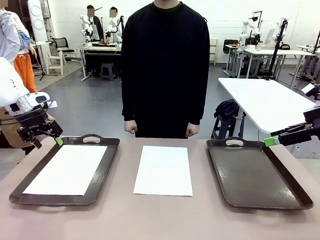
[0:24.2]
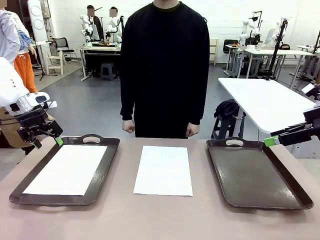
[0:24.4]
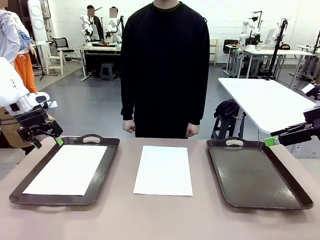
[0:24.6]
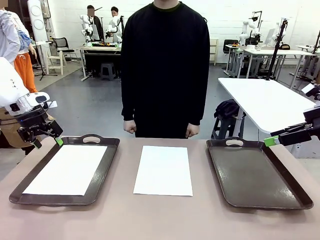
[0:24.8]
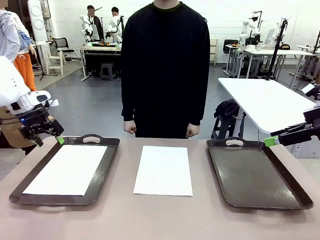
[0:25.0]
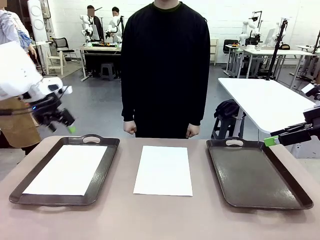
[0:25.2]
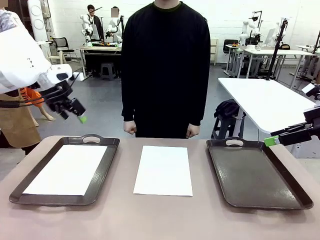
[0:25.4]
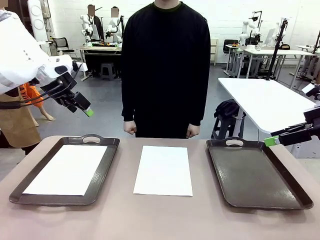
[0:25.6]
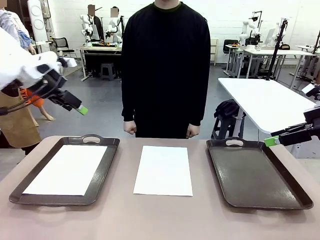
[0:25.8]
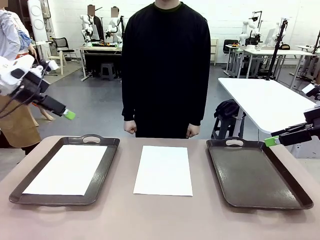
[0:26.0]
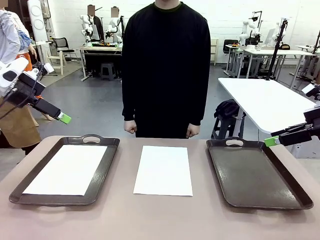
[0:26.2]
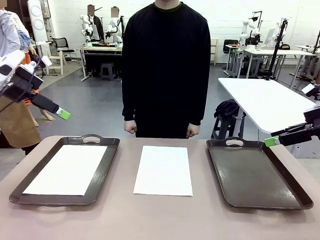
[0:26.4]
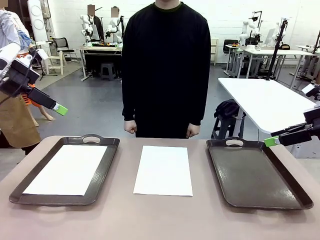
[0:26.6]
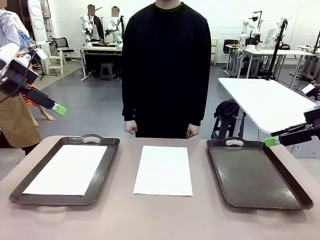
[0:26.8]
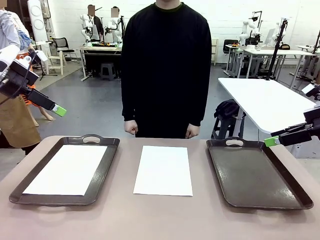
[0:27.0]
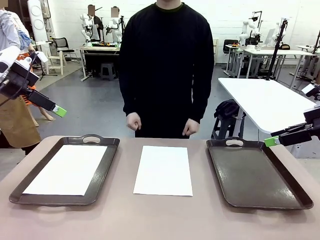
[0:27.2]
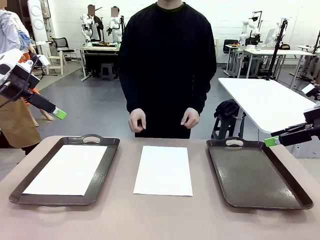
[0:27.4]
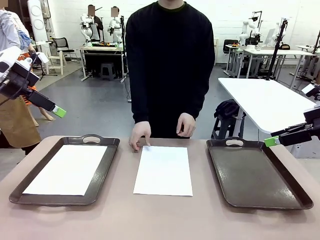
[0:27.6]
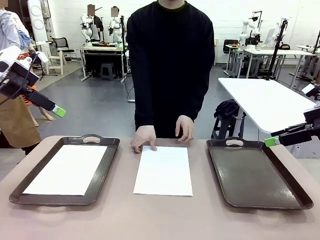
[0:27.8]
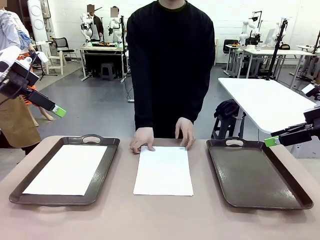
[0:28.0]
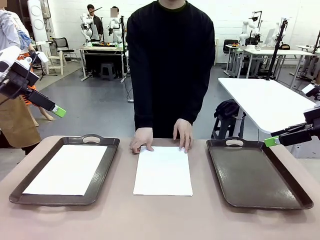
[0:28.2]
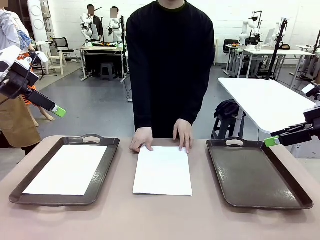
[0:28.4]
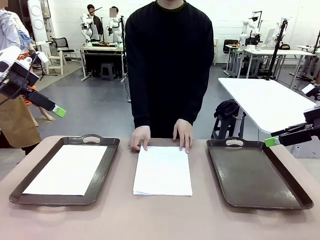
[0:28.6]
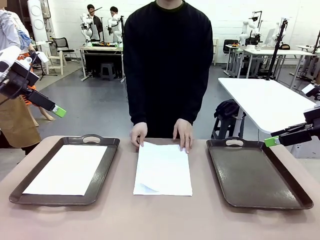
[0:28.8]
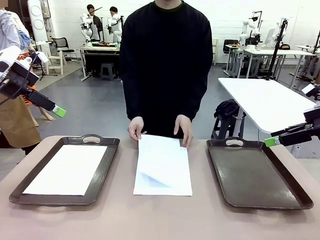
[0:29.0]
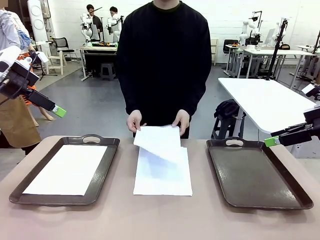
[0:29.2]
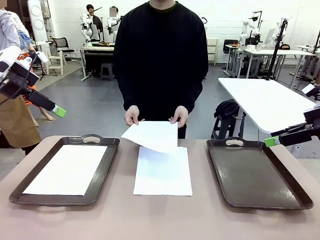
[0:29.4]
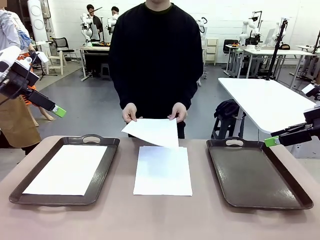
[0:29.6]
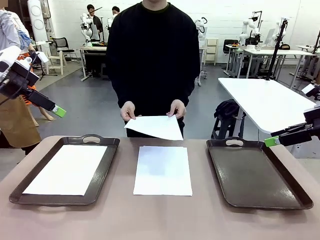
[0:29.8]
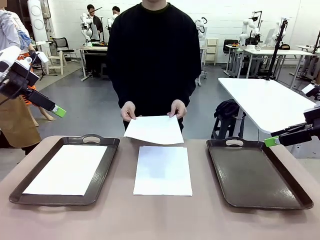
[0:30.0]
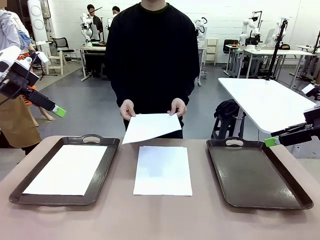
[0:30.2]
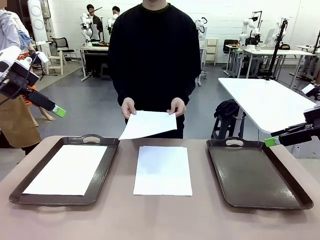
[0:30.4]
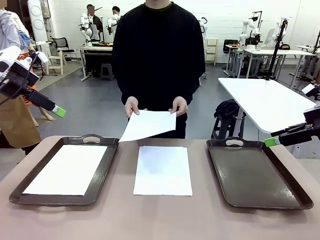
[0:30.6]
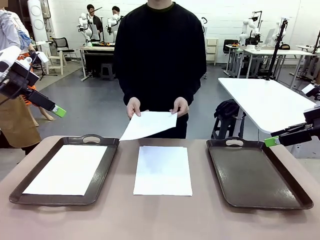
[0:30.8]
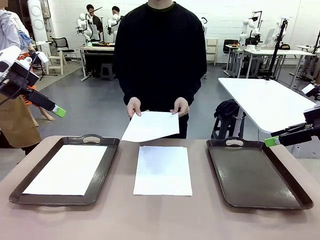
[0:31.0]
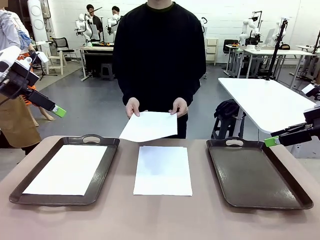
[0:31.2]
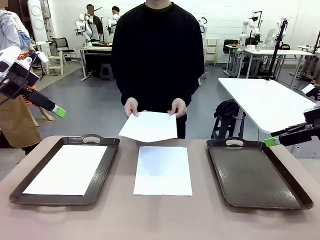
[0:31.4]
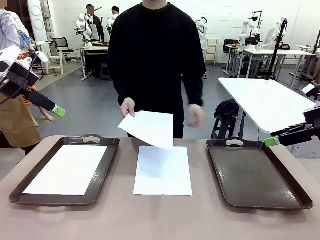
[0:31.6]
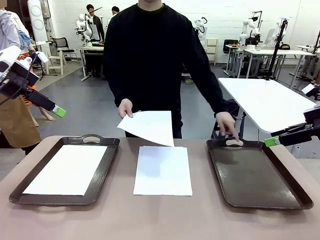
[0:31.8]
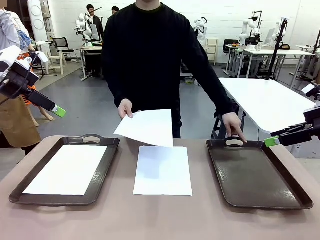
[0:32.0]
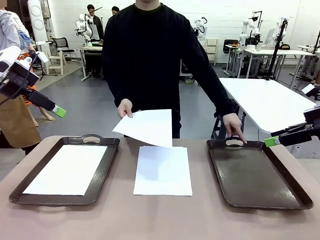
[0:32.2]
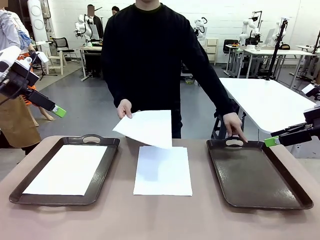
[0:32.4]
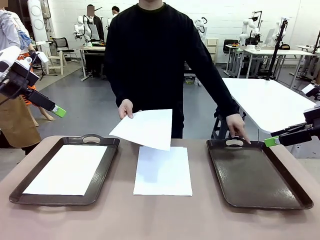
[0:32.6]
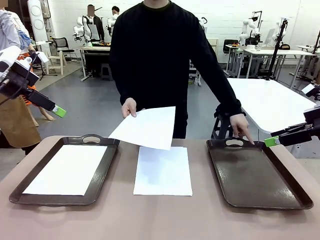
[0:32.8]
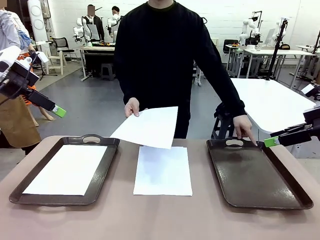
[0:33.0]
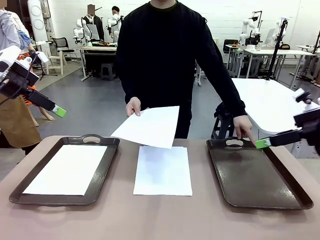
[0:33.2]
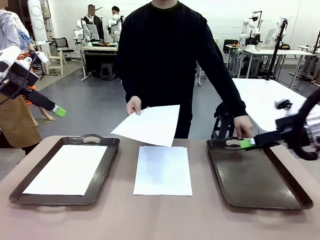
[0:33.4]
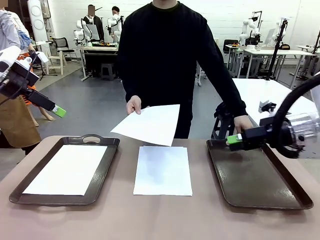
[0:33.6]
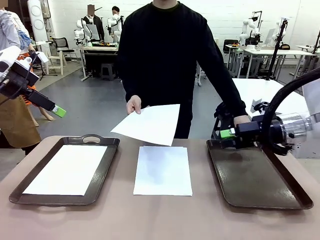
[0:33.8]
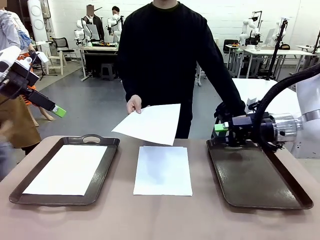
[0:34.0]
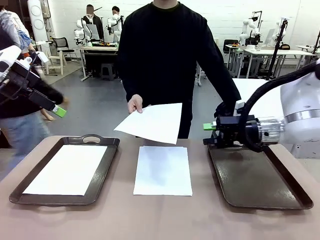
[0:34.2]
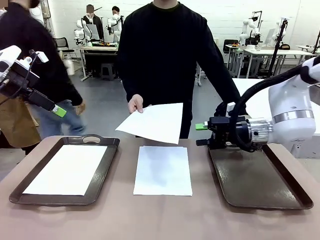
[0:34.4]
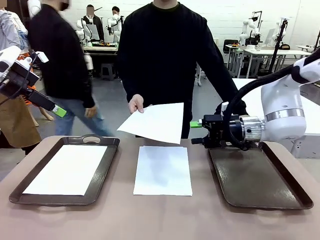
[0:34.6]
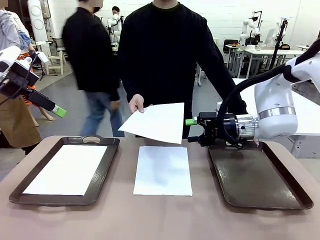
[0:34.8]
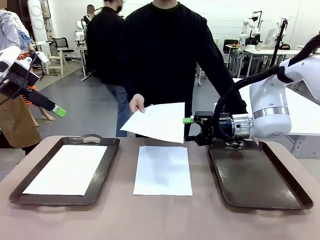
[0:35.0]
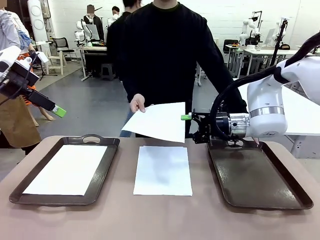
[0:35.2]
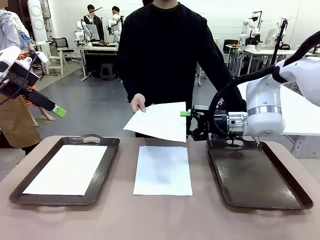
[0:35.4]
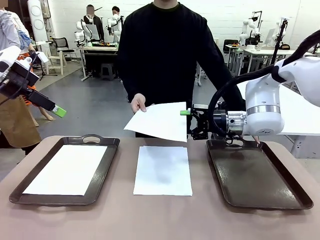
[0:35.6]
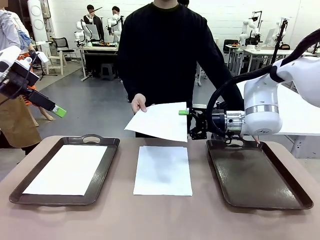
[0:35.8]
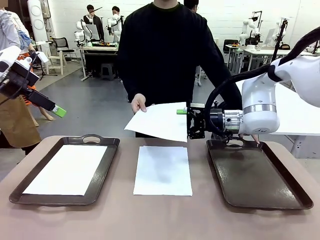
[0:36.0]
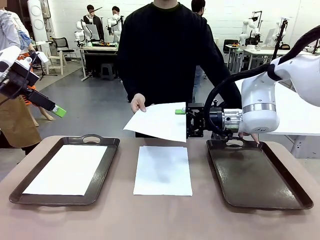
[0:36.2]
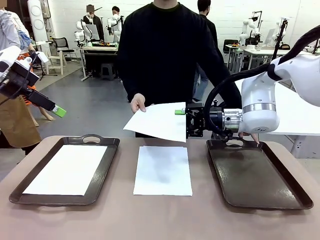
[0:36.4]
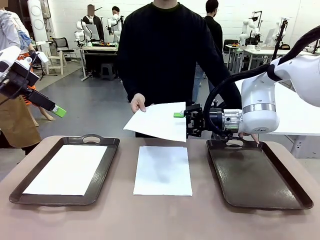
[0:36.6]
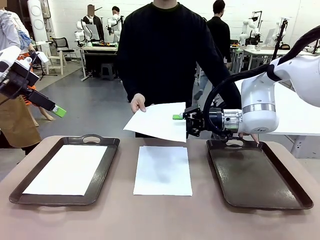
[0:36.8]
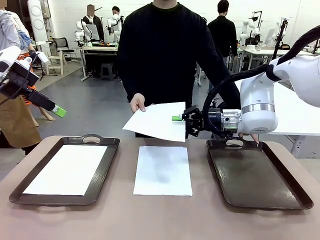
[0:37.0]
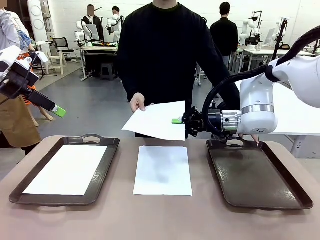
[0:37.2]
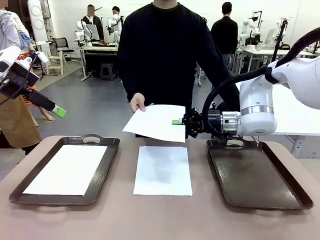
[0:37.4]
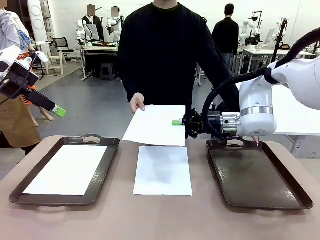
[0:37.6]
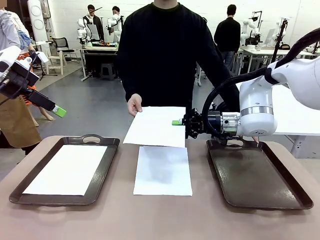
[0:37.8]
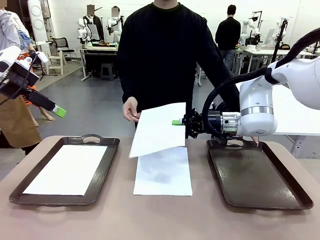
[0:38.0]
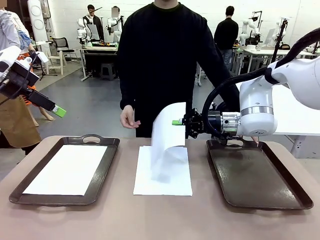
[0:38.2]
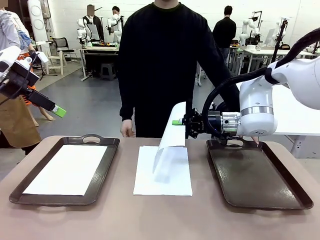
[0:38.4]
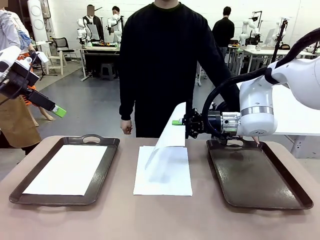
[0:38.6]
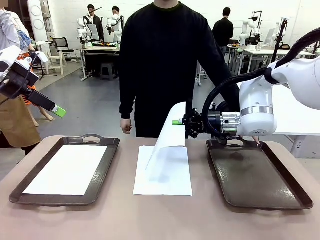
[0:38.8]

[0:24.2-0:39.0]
Task: Sort the A4 documents.
Robot: Receive the A4 Paper.
Person: Point the randomly selected tray with the other hand.

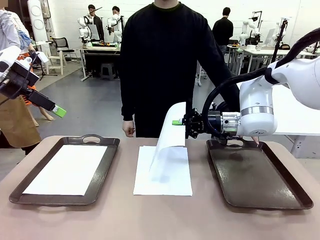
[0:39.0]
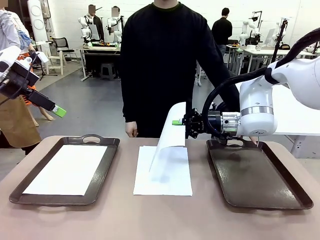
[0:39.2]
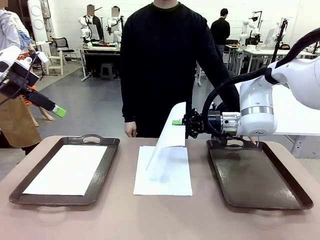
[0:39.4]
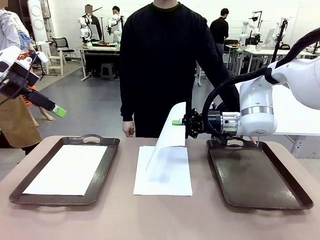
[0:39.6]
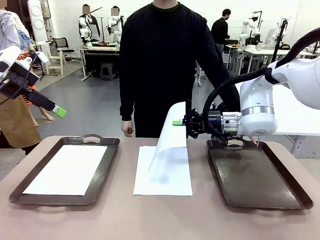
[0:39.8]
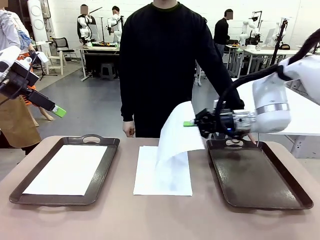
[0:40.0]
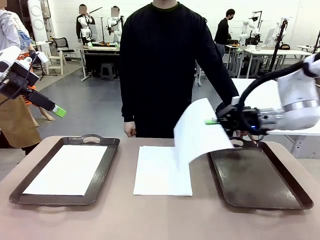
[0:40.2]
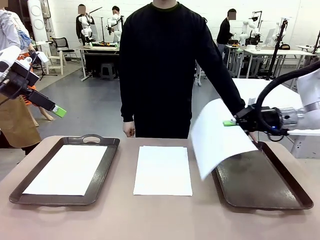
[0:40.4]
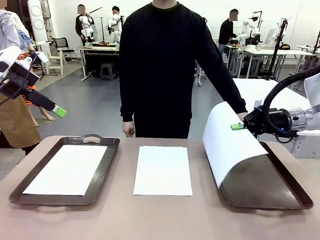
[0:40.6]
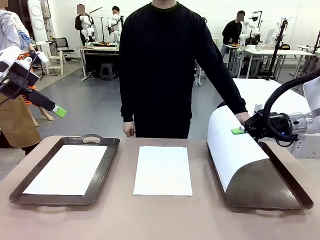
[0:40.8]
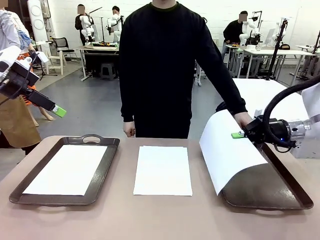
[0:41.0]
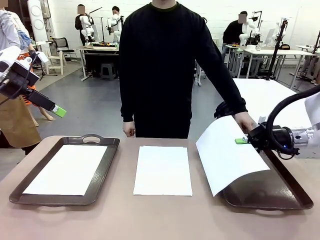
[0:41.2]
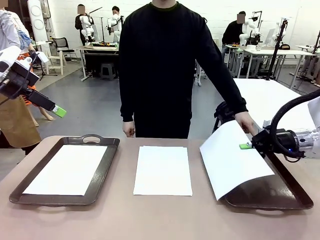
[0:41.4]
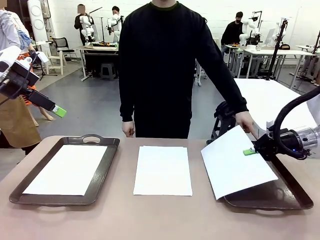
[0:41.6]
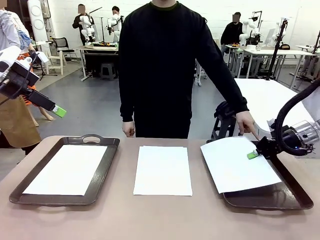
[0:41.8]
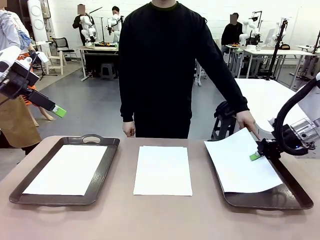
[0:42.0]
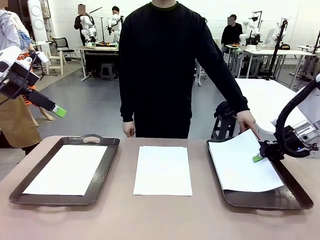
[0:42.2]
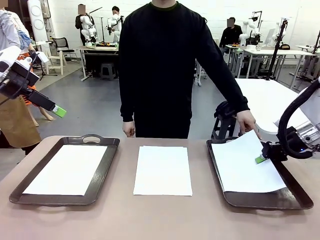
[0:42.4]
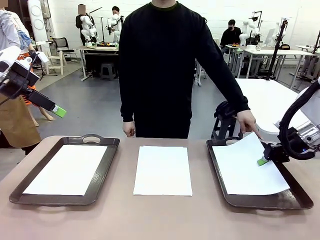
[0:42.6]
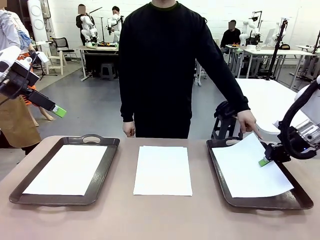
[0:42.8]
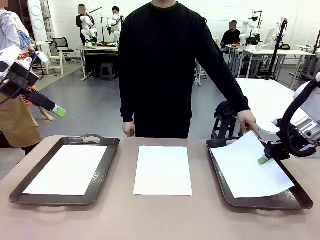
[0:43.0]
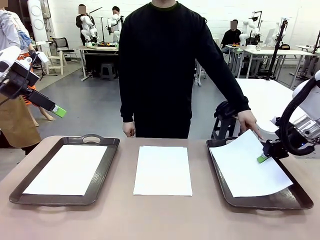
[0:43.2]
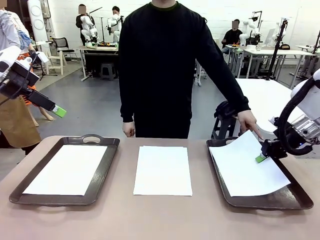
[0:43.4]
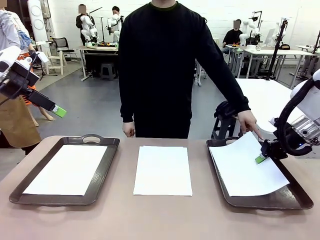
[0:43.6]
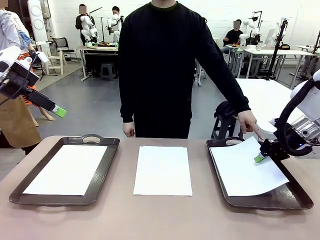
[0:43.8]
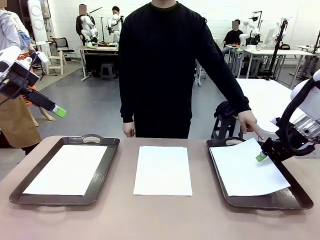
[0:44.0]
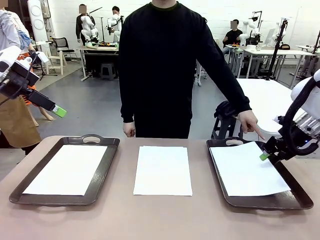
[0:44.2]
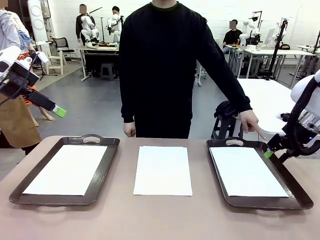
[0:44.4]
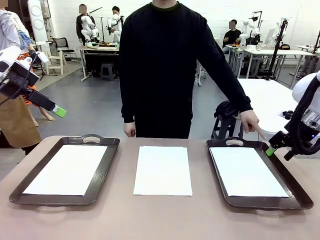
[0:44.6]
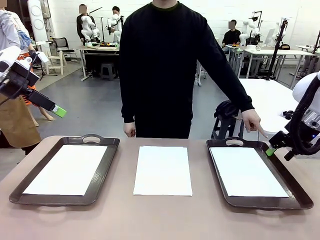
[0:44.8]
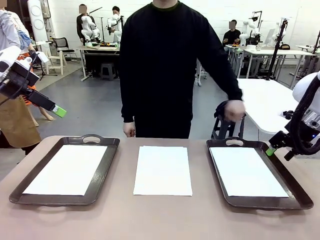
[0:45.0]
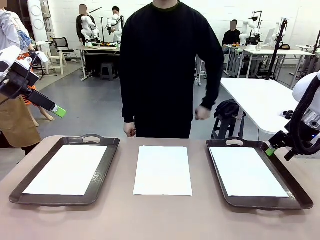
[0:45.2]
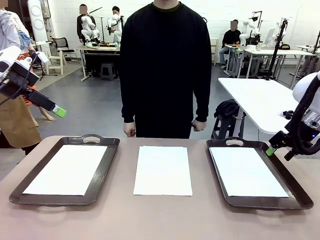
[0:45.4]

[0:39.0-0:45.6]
Robot: Place the A4 Paper in the designated Handle tray.
